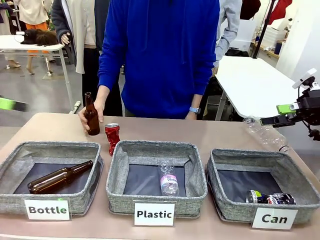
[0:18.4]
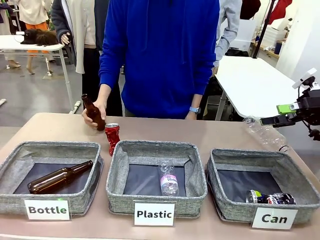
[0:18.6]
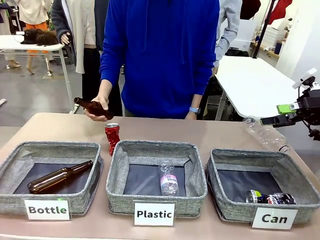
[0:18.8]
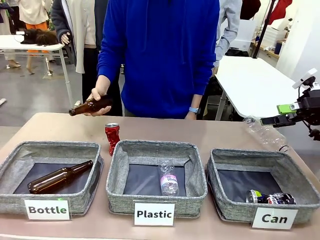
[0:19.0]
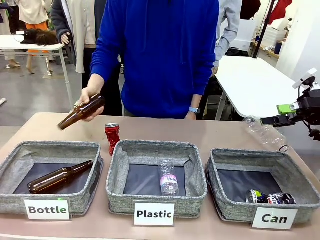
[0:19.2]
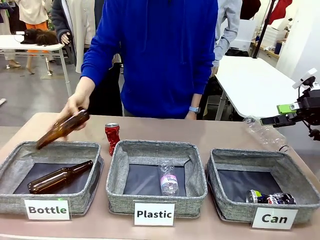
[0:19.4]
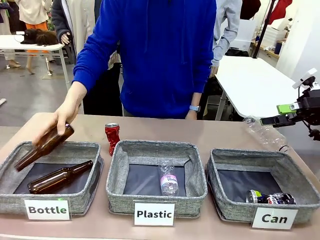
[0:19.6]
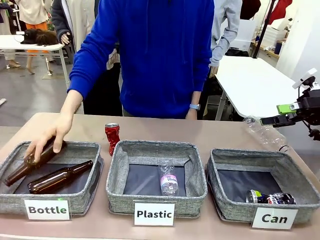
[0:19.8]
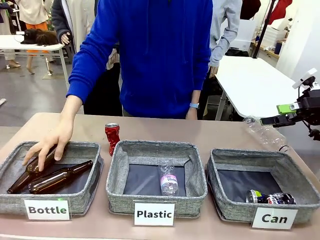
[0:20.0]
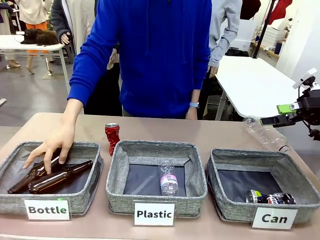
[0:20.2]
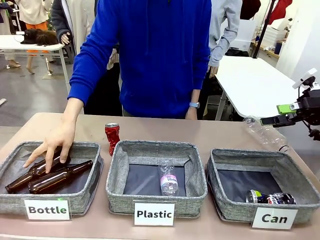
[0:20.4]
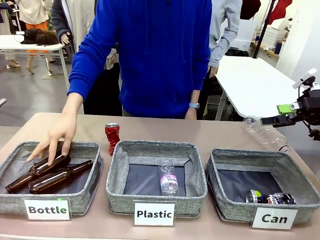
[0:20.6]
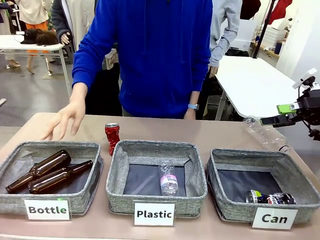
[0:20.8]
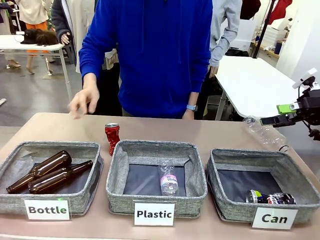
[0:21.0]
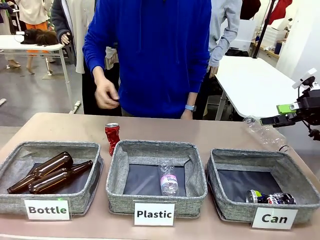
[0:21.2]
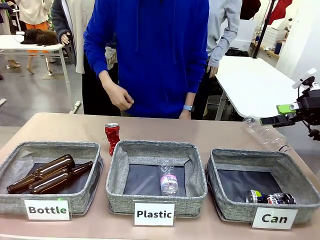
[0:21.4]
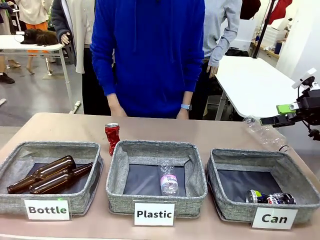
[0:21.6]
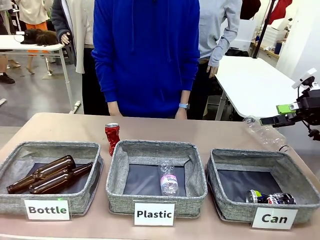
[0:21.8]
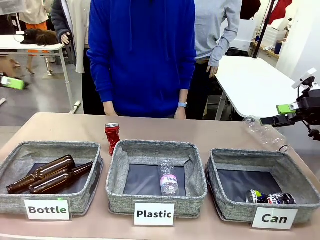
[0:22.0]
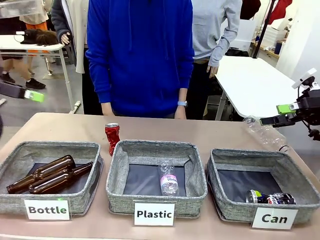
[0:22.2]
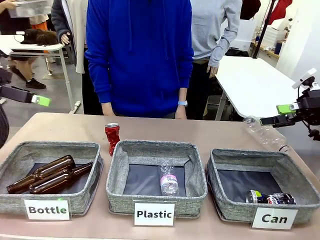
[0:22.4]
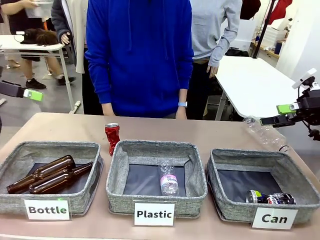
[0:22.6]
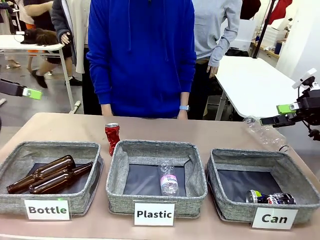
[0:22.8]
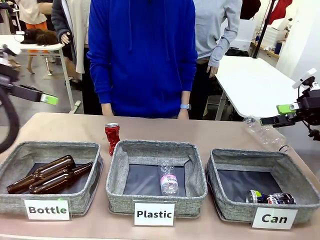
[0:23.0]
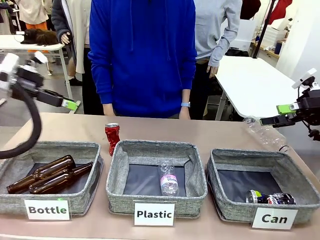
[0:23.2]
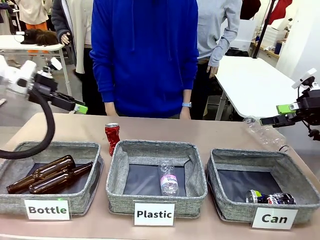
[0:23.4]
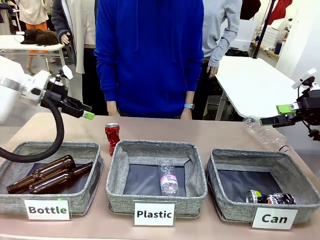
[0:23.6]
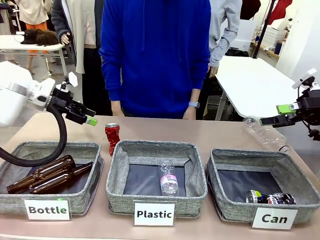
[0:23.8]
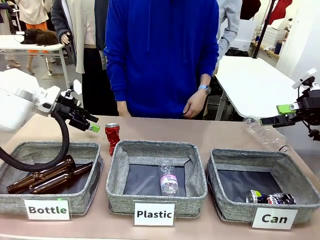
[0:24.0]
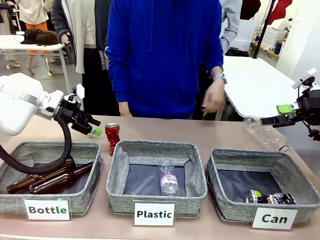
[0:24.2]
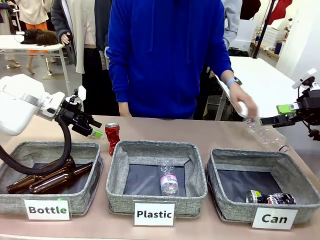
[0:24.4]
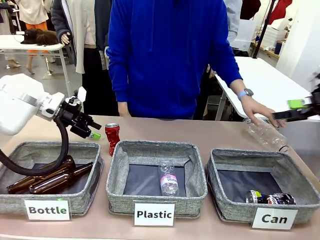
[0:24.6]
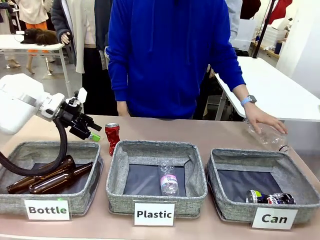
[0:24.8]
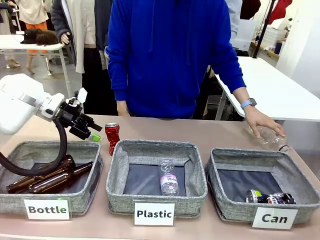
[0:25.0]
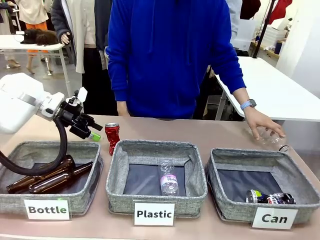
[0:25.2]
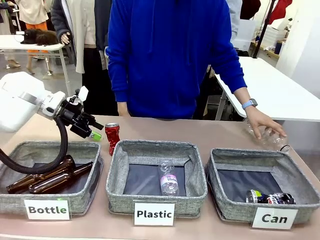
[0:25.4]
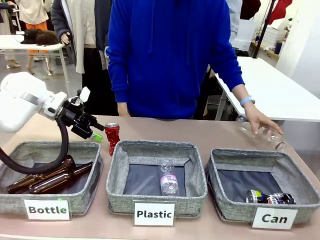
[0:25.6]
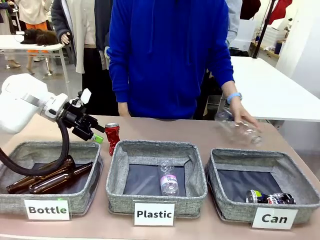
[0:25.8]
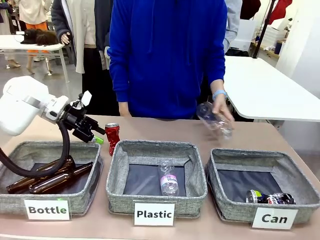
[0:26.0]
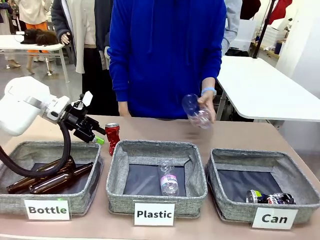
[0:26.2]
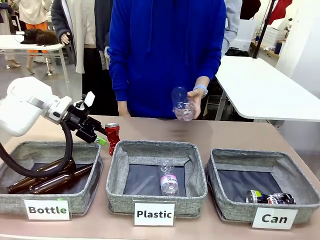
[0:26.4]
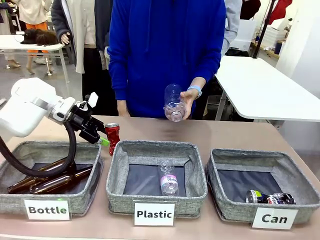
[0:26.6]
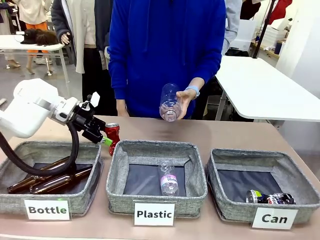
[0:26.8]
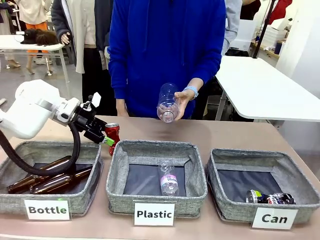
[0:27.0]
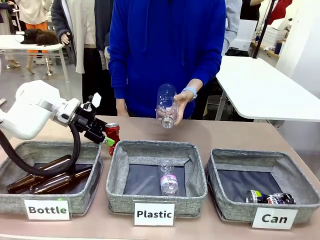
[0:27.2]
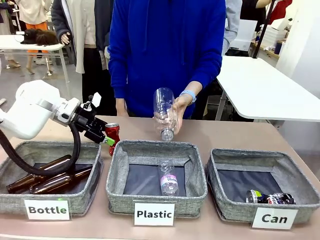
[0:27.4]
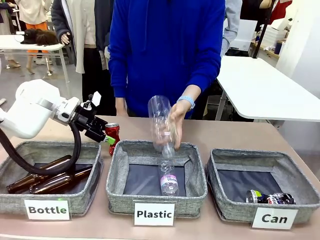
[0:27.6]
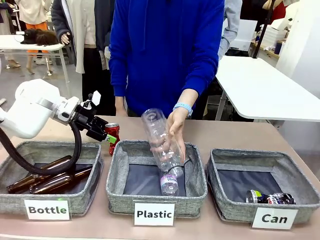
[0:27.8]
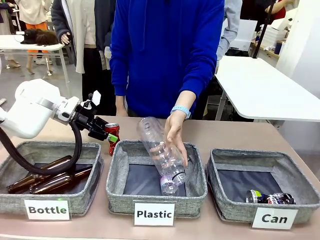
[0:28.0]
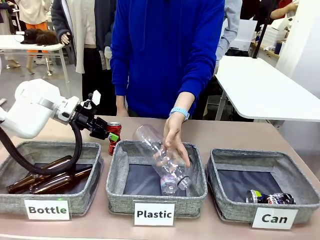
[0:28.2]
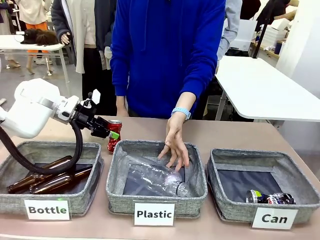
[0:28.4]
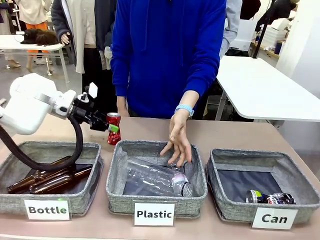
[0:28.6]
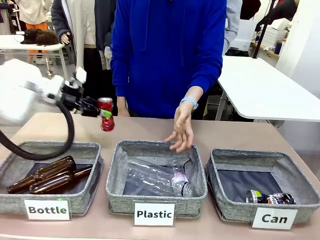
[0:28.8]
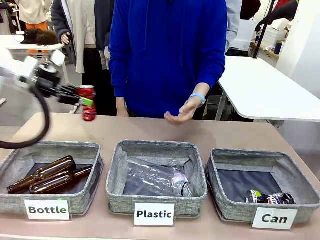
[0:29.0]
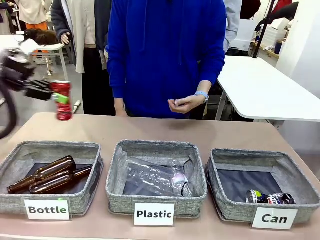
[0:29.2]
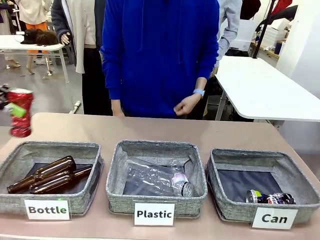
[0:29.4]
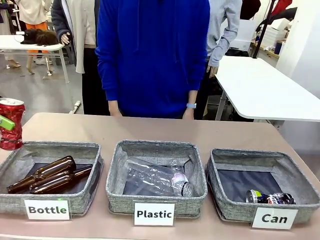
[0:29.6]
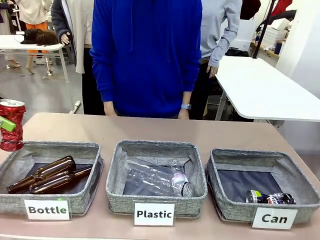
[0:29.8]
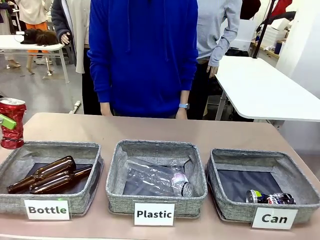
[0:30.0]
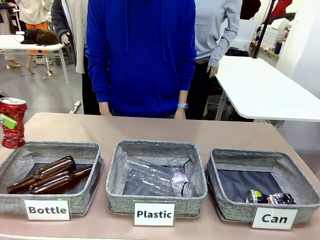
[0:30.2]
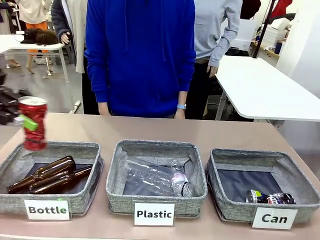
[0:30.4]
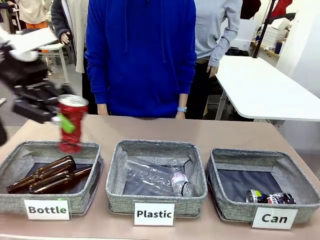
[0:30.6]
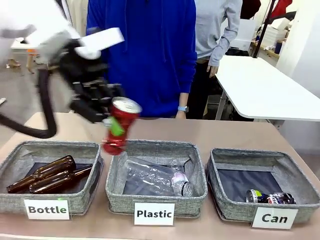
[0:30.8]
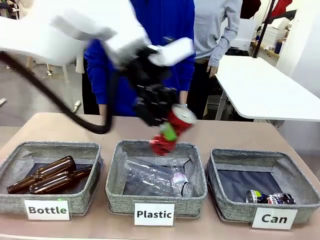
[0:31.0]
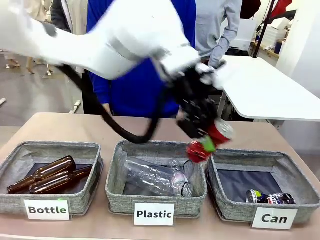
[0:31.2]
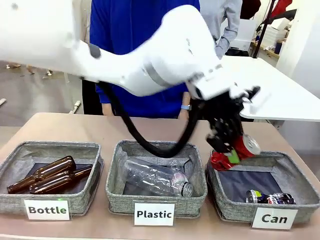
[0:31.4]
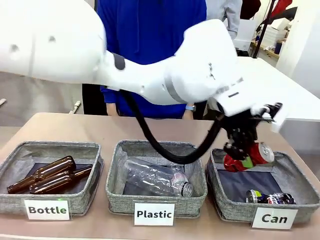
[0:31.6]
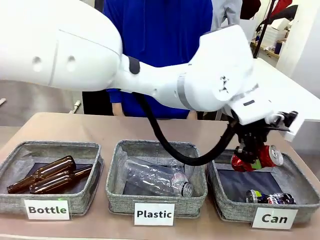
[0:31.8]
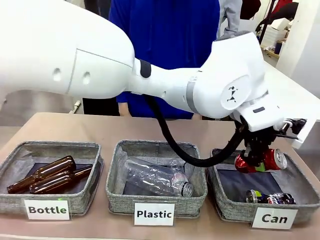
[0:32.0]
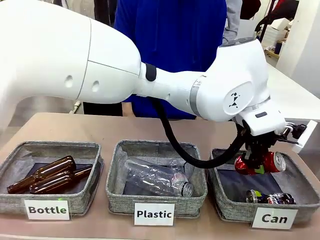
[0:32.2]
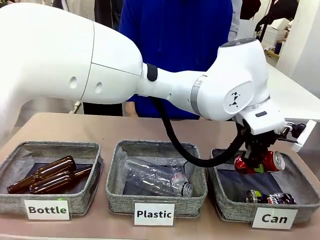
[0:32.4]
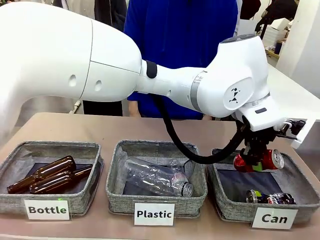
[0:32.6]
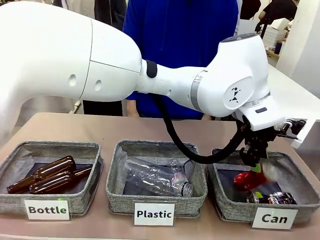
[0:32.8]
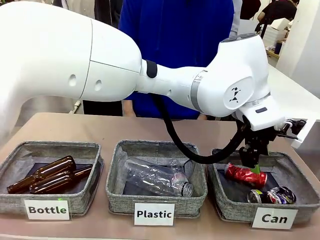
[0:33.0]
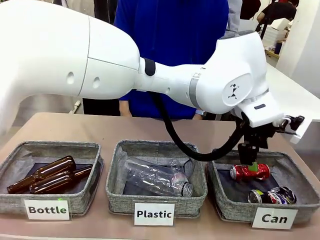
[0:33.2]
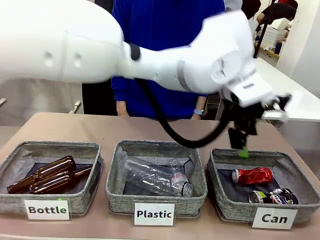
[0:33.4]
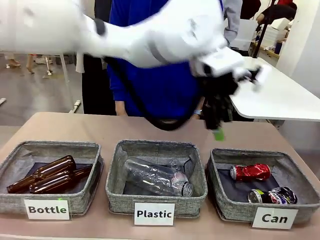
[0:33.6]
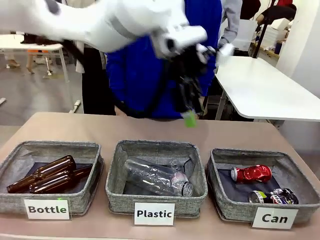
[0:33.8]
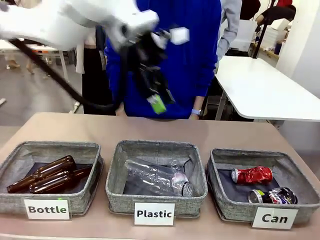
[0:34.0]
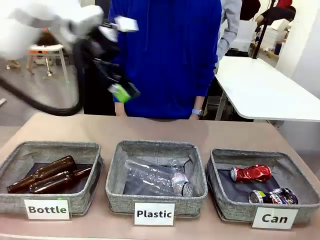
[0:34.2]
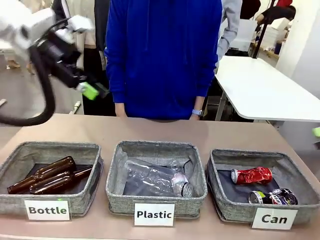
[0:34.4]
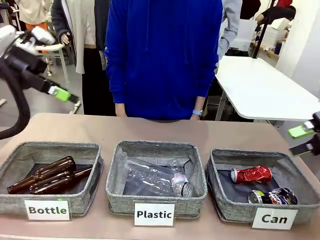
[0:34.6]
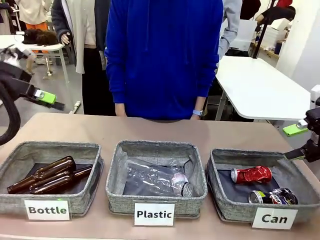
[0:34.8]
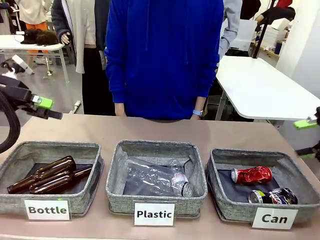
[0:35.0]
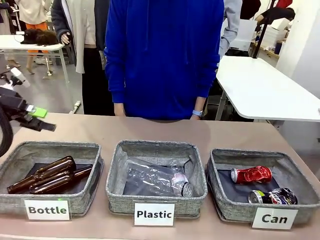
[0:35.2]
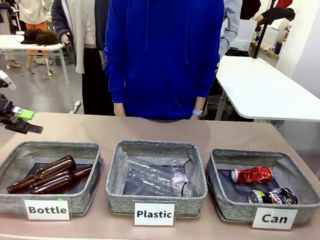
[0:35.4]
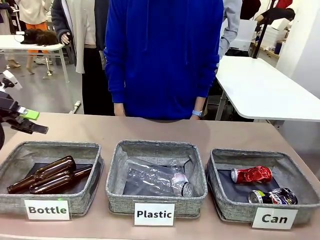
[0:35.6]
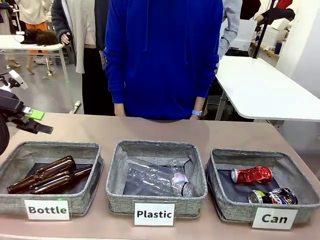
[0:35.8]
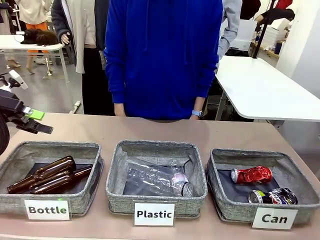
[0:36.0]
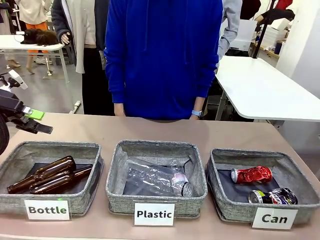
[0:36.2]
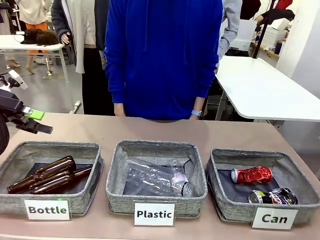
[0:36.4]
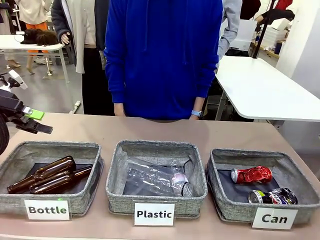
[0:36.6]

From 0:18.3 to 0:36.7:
Task: Sort the can waste into the basket.
Robot: Pick up the can waste from the table and place it in the right Fabric basket.
Person: The human picks up one piece of trash that is not a can and places the trash into the appropriate organizing basket.
